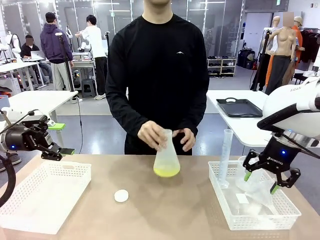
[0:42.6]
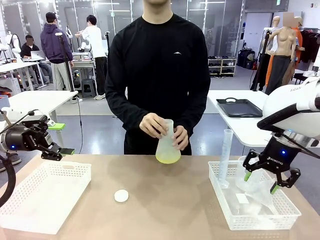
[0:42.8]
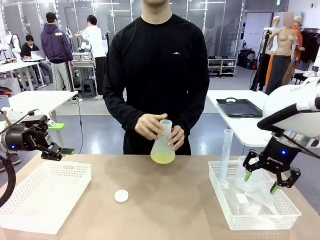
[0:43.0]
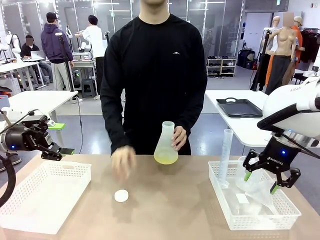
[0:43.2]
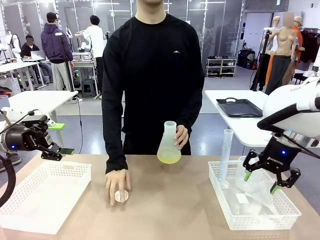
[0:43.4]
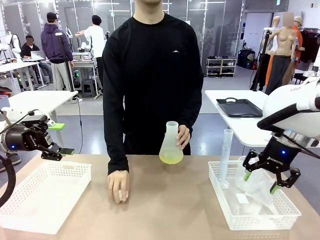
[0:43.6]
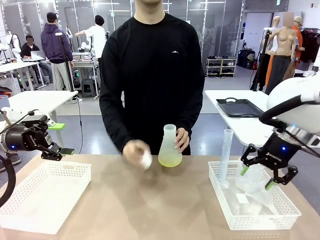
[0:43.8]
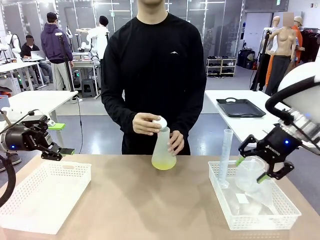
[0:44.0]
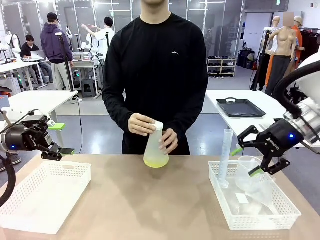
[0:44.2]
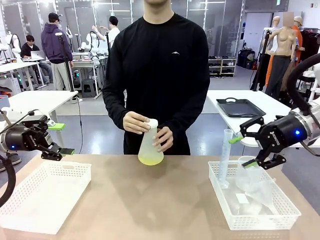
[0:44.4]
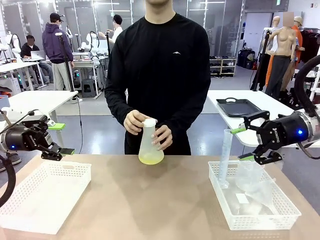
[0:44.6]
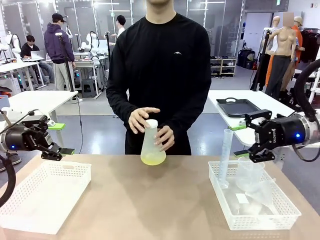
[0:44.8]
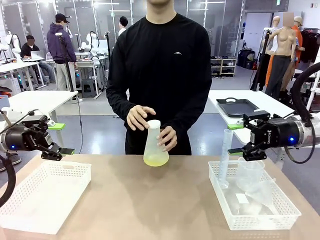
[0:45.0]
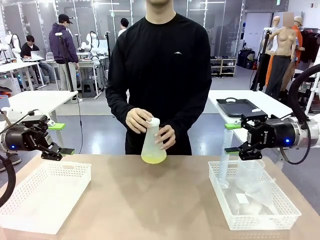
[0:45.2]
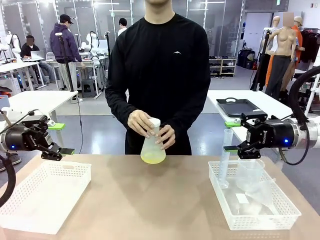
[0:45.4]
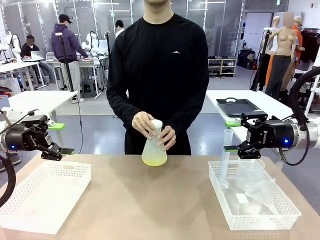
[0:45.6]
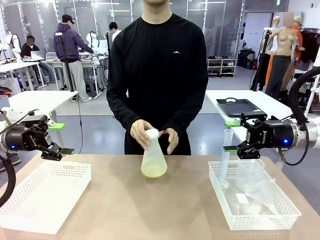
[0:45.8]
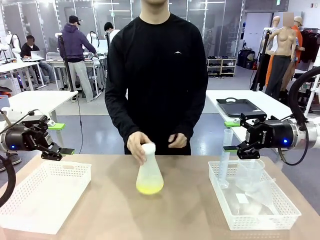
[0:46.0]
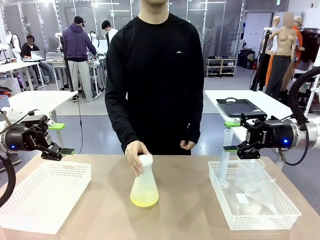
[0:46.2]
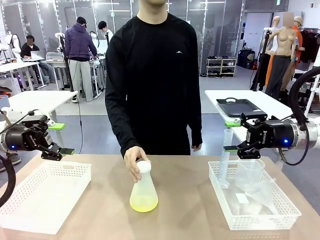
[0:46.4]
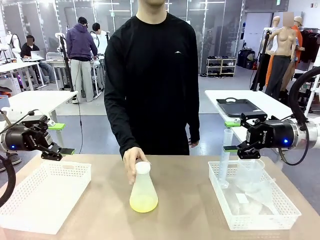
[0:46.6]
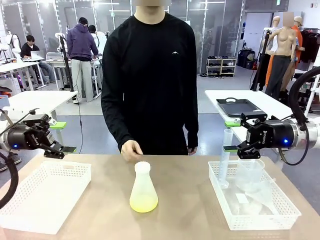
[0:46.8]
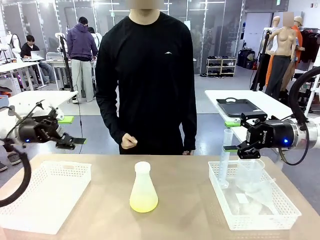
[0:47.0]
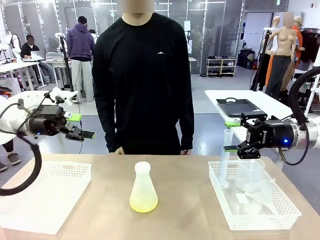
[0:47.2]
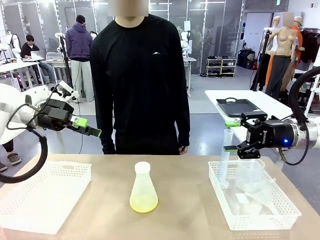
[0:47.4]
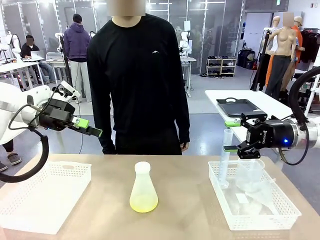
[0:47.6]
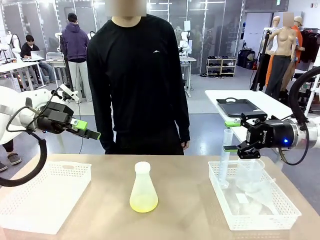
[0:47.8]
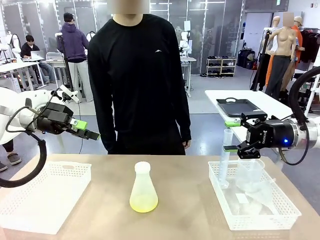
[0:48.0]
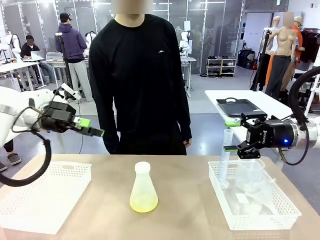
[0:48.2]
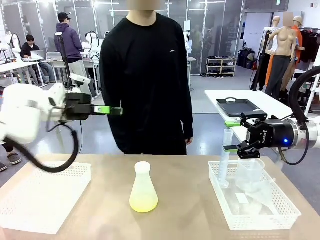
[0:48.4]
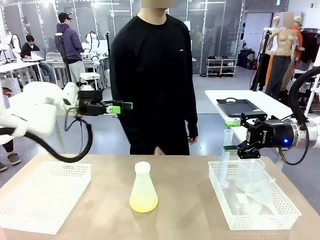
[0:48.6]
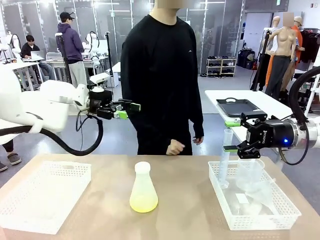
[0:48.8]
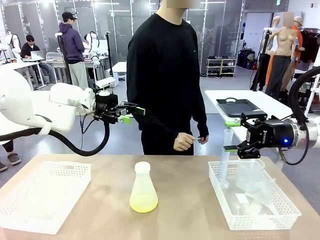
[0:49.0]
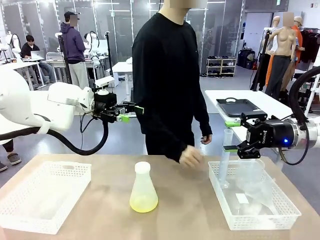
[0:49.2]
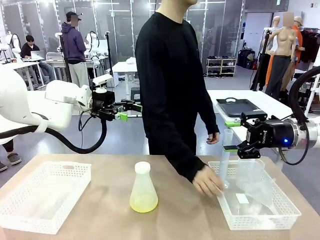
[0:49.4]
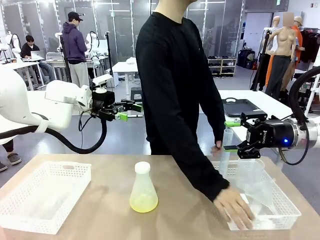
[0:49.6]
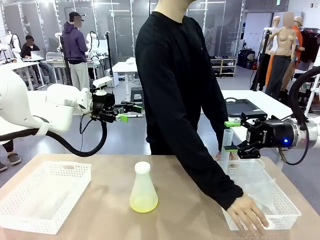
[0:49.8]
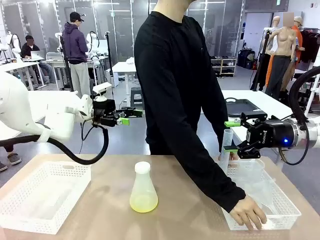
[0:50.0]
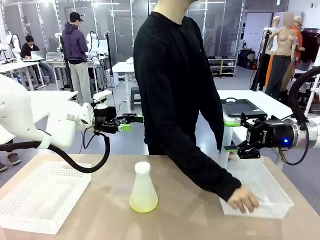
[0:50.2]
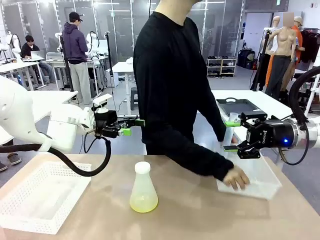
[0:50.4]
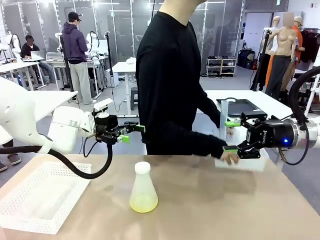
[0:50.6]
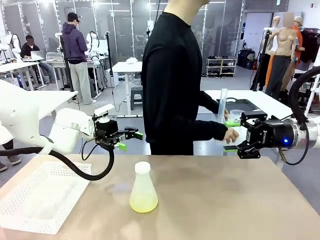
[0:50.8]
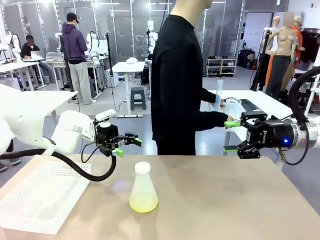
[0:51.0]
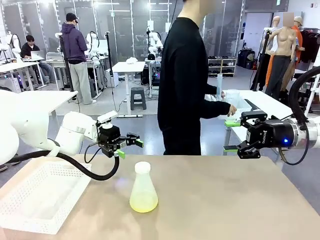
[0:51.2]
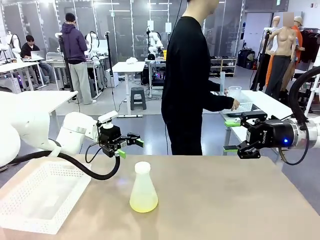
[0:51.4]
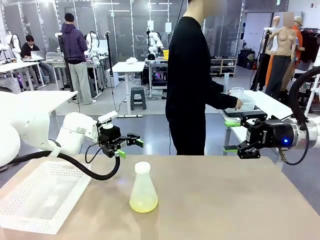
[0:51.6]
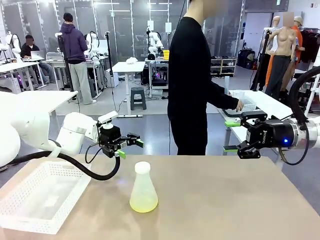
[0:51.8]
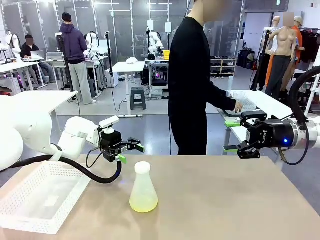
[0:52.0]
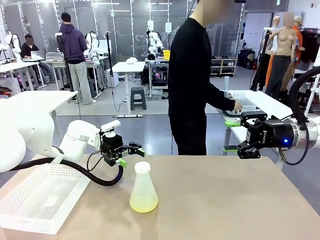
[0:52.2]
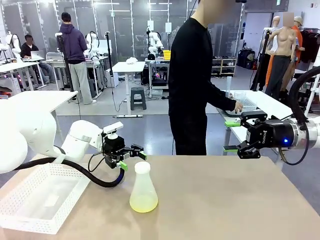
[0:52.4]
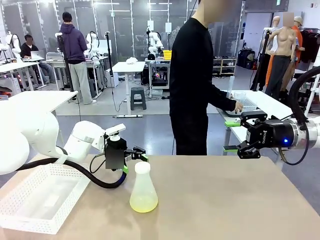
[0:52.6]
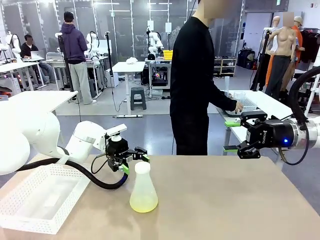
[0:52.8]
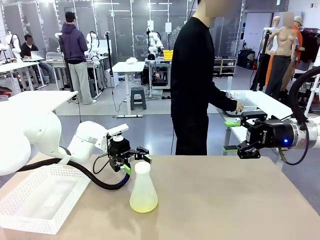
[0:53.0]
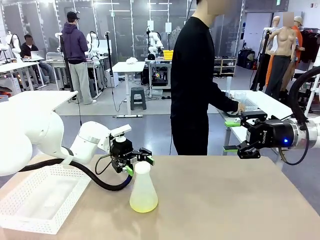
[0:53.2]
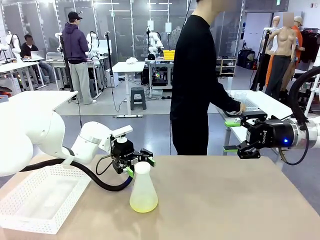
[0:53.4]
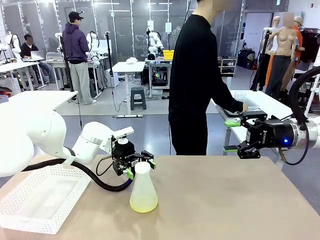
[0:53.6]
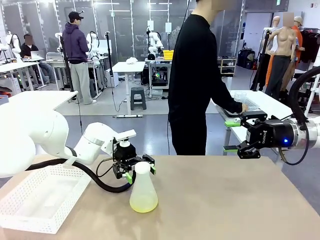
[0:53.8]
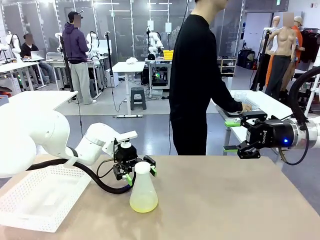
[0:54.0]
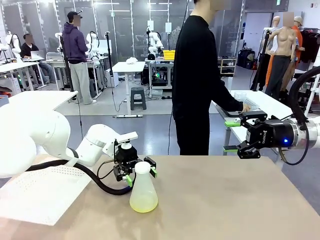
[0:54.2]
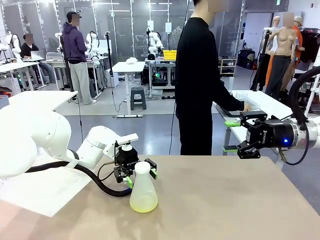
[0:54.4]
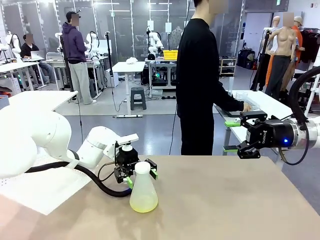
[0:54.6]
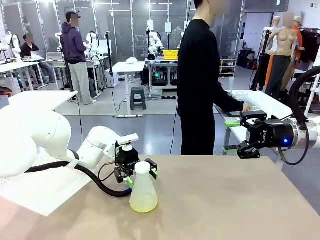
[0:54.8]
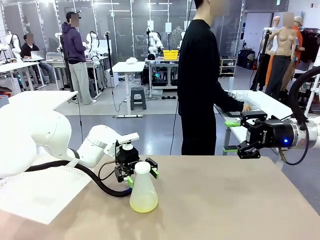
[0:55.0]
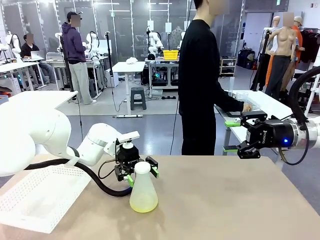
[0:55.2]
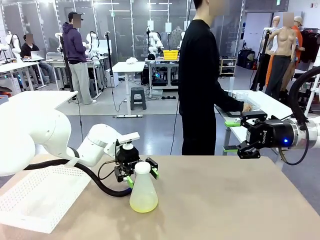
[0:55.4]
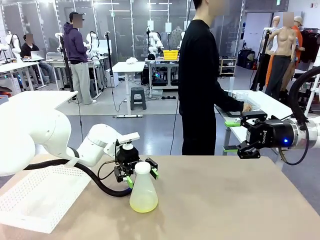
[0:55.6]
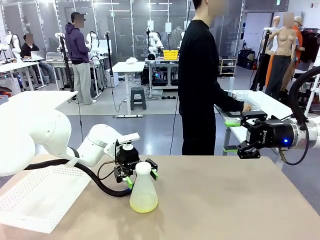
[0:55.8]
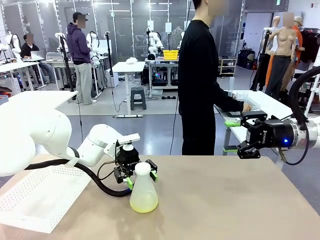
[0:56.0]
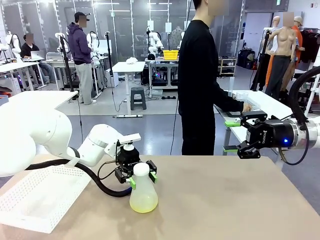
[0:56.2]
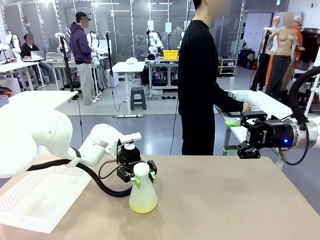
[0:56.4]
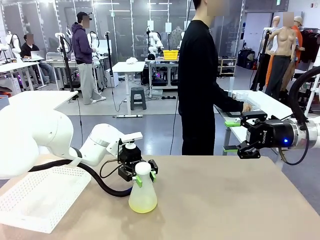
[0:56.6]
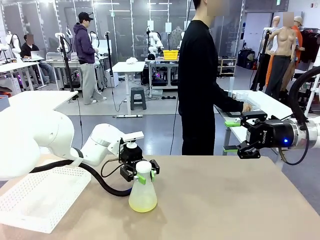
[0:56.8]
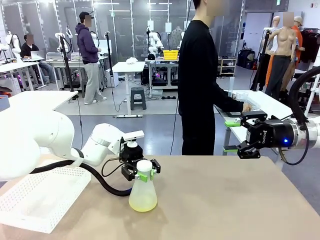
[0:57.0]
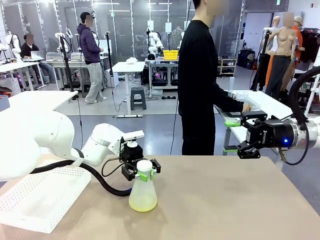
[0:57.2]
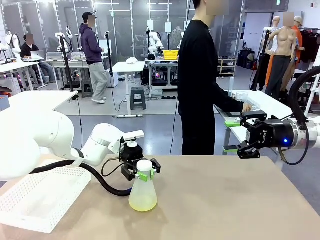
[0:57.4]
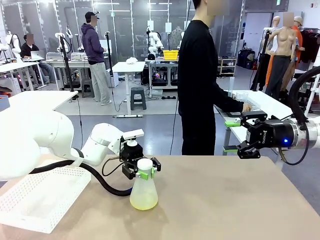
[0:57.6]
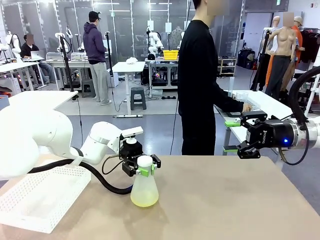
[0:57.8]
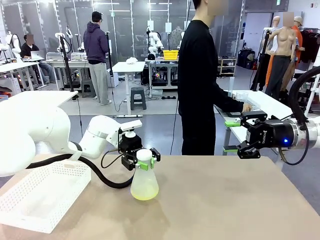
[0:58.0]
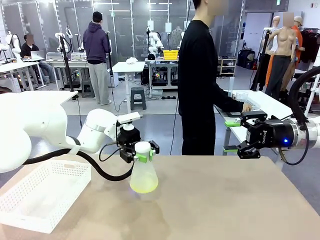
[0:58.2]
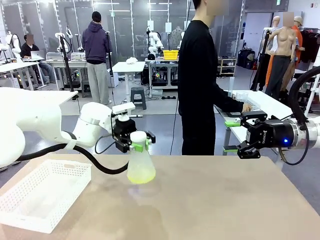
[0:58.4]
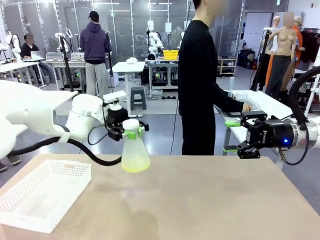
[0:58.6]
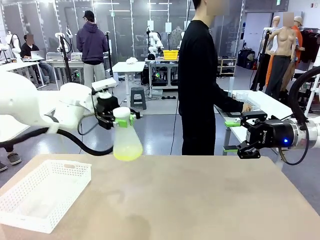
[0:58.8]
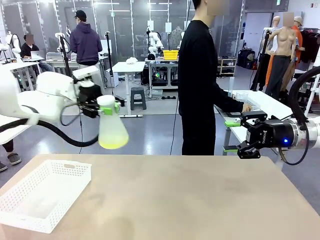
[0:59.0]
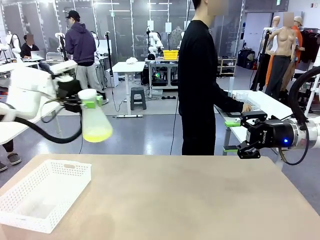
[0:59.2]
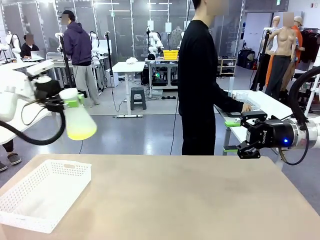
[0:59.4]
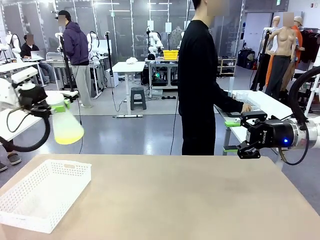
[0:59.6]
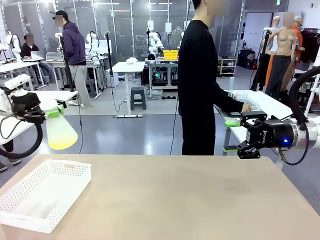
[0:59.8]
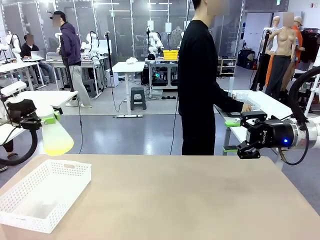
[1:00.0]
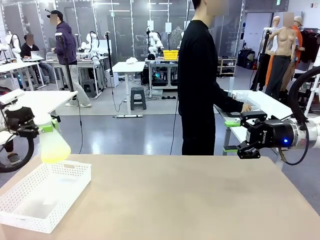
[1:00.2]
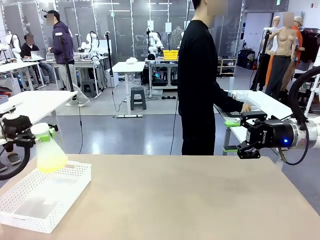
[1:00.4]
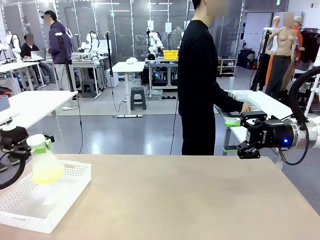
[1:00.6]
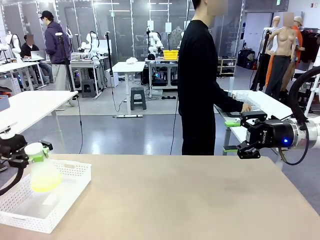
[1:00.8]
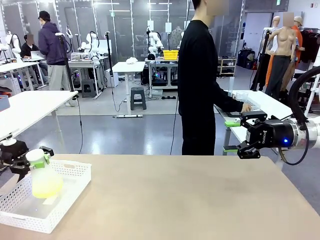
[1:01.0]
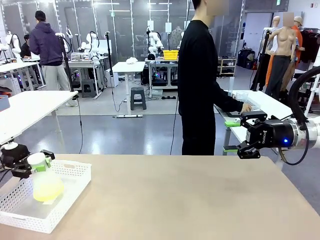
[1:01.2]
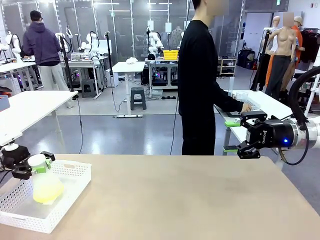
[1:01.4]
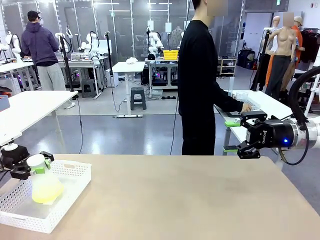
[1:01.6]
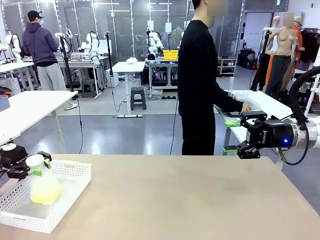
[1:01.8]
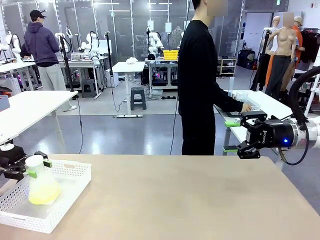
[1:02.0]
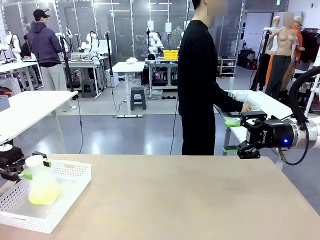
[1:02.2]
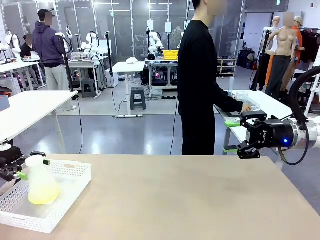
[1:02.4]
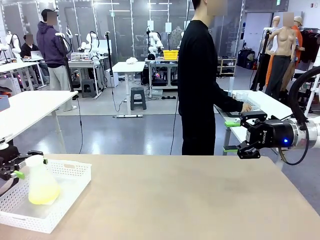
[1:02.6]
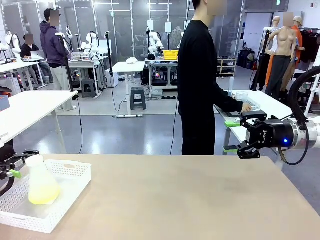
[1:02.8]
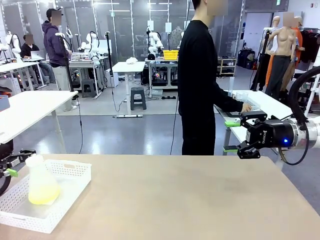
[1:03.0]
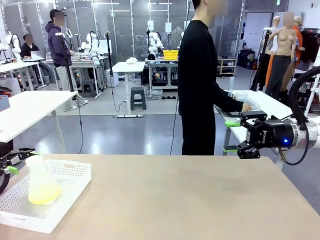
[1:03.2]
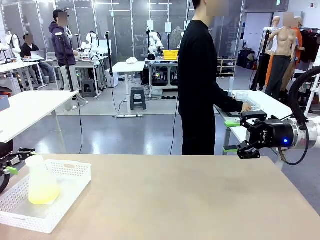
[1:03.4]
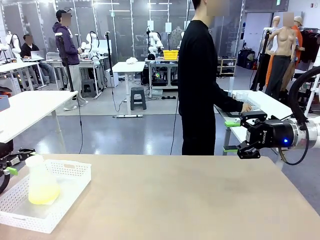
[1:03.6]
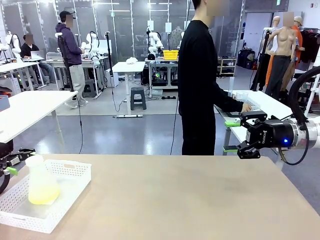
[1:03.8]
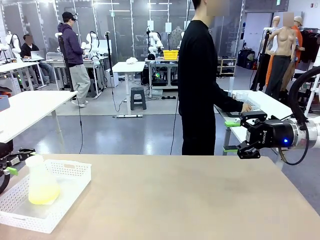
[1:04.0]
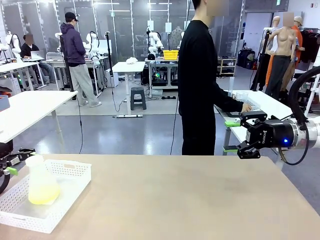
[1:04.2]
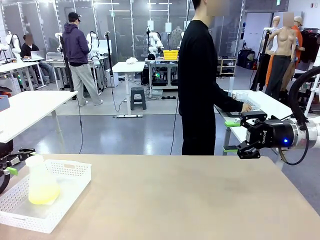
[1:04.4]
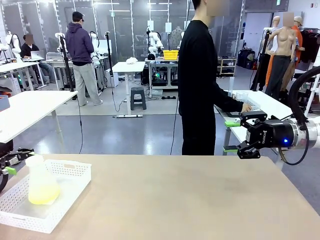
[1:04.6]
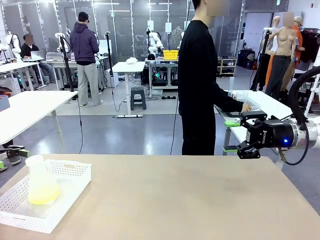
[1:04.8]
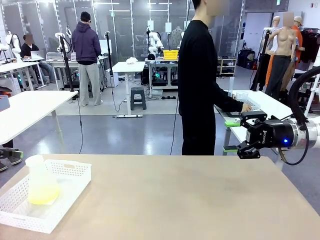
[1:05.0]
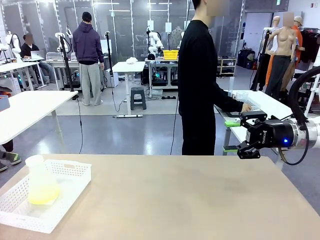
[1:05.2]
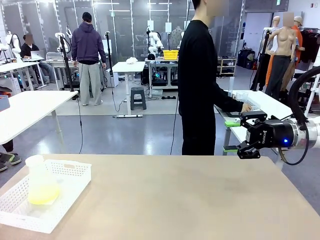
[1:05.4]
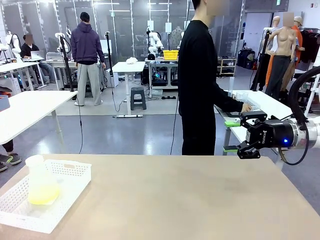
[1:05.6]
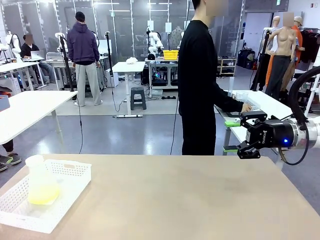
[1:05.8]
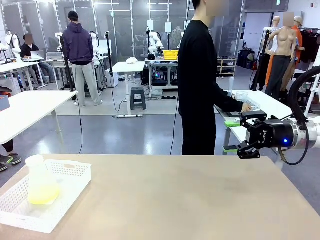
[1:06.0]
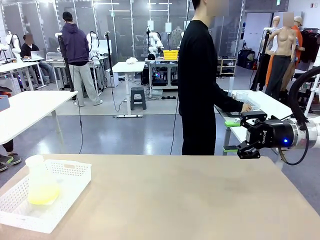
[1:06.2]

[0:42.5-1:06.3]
Task: Prepare the solutions needed for the experiment.
Robot: When the human places the Big flask in the center of the table, pick up the Big flask and place it in the left Organizing basket.
Person: Pick up the organizing basket on the left side of the robot table and place it on the left side of the human table.
